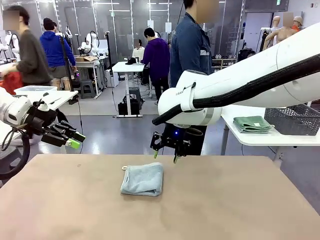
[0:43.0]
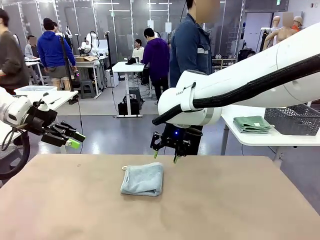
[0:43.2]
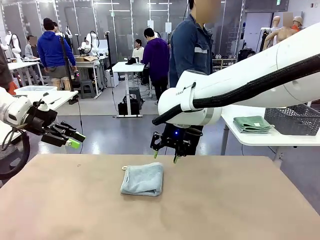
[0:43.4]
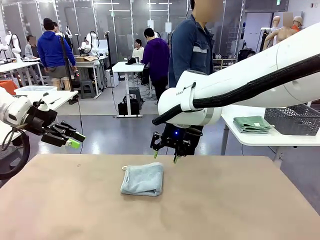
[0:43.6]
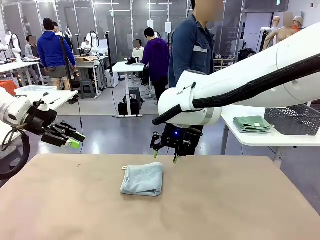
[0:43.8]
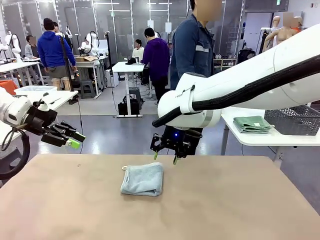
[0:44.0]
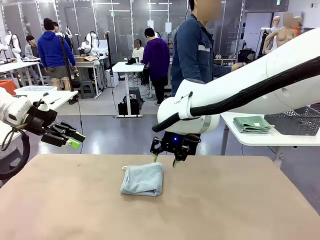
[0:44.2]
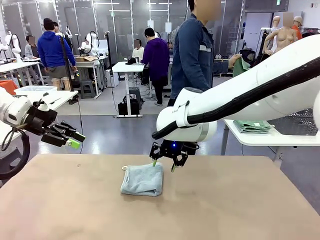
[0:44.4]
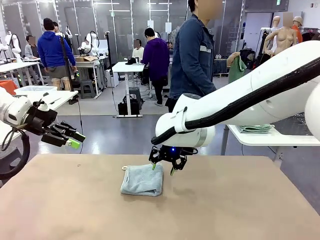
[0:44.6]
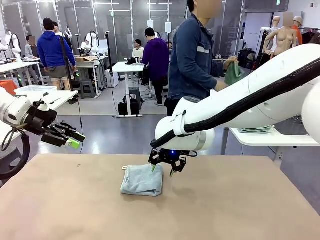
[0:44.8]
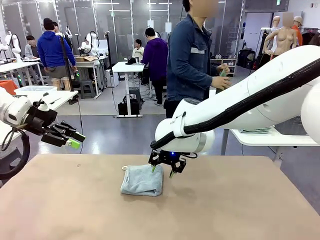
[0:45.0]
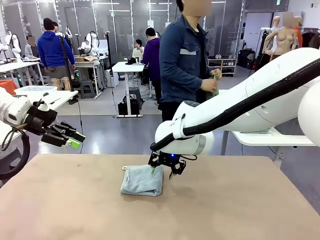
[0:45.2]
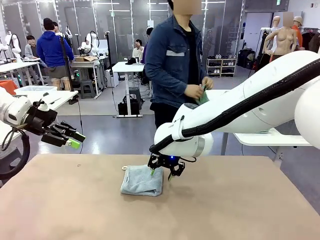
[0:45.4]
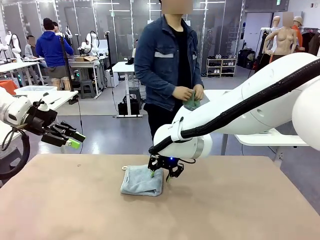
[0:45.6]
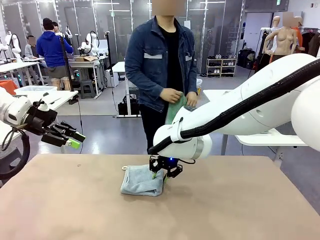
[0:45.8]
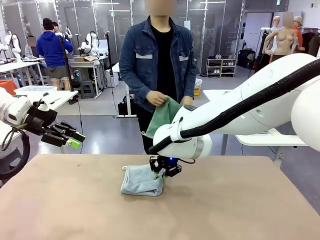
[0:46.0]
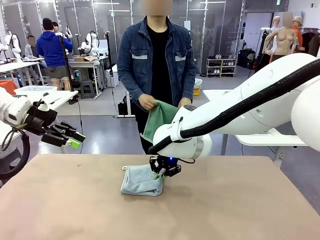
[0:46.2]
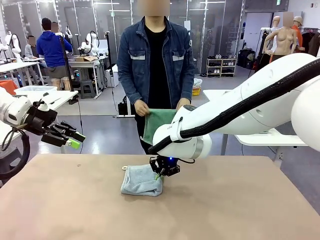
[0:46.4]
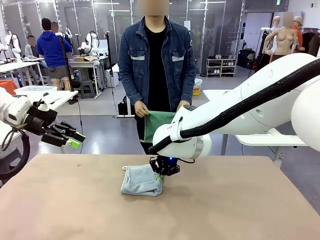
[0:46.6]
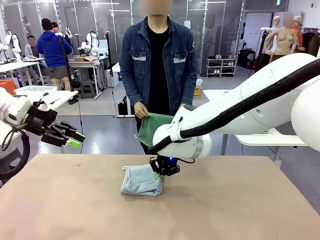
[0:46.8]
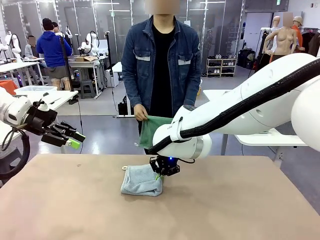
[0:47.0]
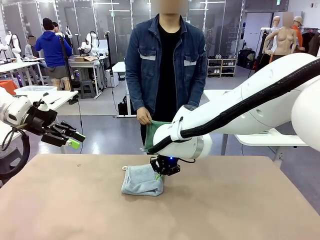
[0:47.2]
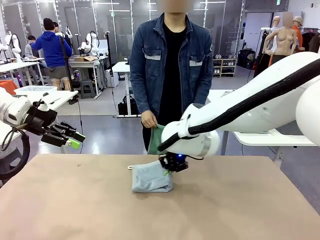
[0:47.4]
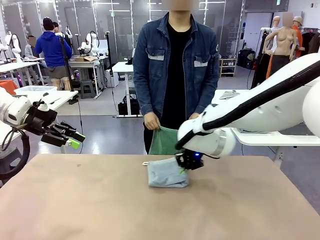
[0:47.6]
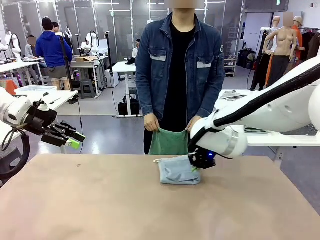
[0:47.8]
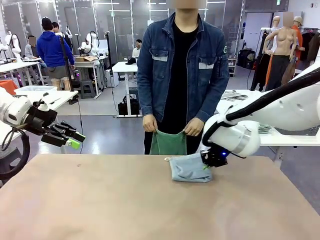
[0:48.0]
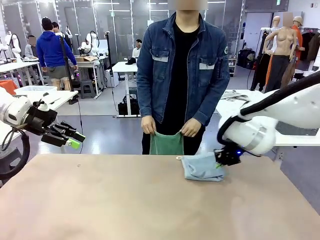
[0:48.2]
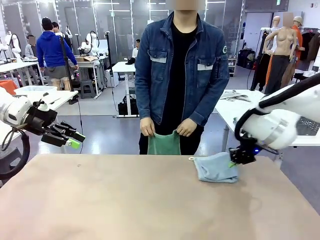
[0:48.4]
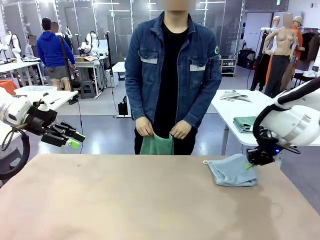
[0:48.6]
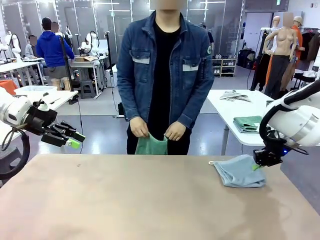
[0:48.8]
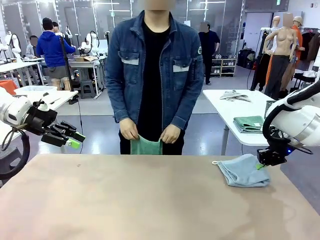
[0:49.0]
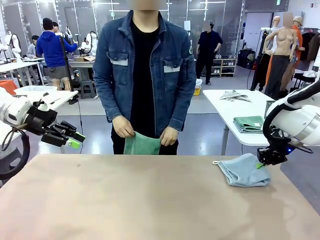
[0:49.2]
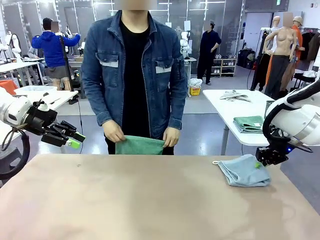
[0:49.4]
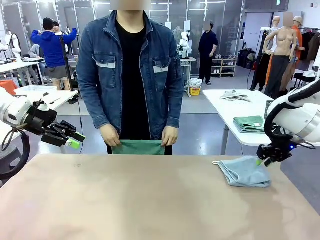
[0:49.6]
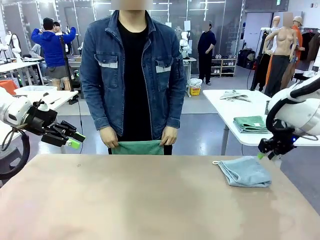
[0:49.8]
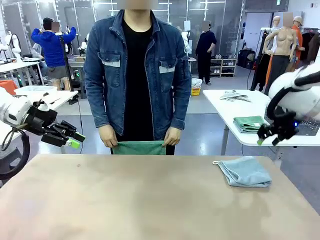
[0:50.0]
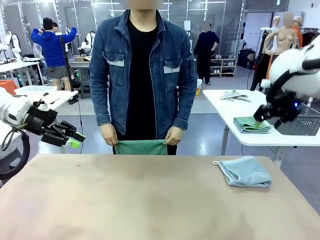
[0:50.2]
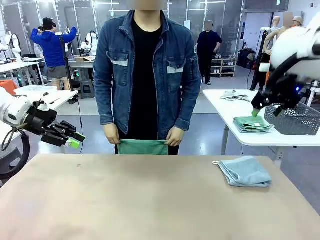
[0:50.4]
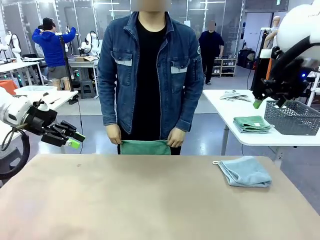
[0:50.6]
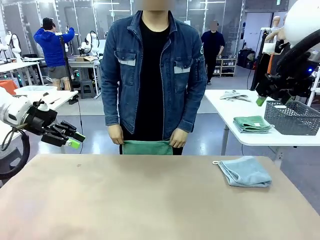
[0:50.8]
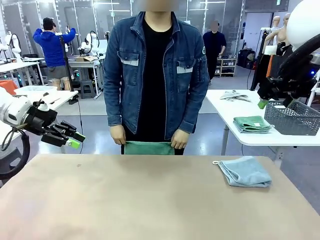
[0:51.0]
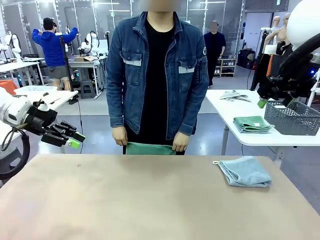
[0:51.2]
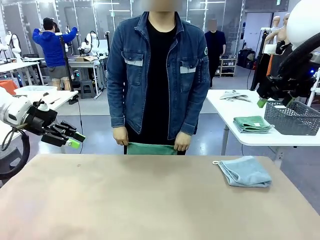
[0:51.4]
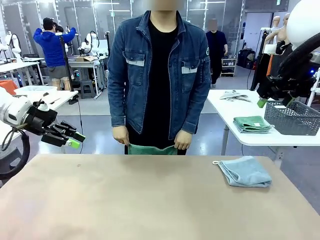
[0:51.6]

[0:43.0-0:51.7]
Task: Fold the towels and place them in the basket.
Robot: Place the folded Towel with hook on the right side of the table.
Person: Pick up one towel from the left side of the human table and spread it out at the center of the robot table.

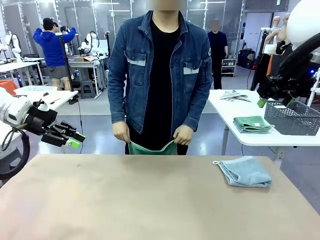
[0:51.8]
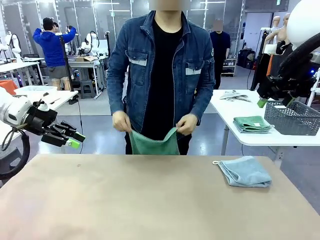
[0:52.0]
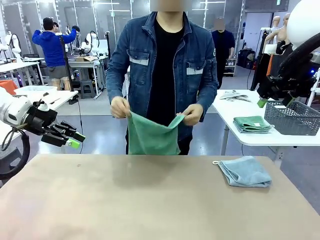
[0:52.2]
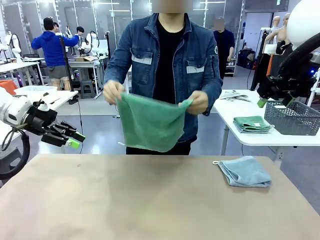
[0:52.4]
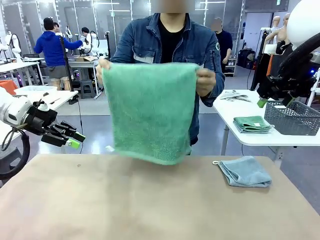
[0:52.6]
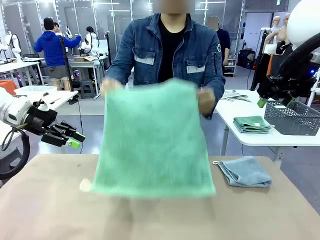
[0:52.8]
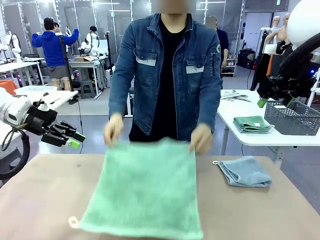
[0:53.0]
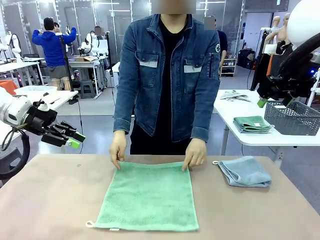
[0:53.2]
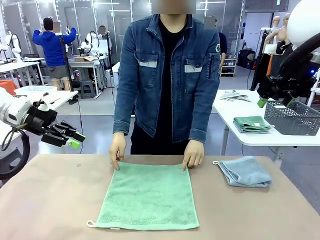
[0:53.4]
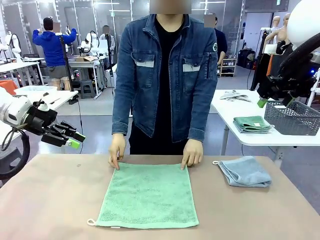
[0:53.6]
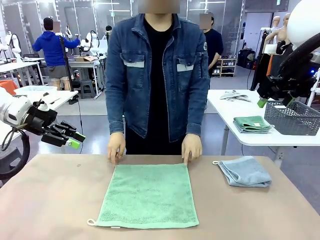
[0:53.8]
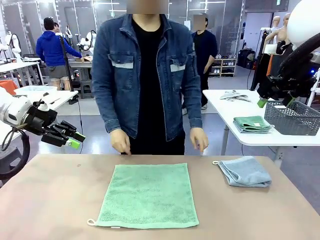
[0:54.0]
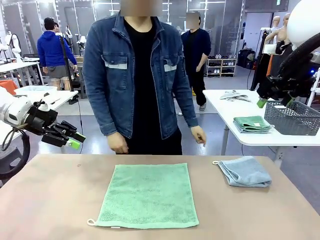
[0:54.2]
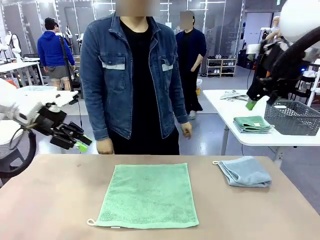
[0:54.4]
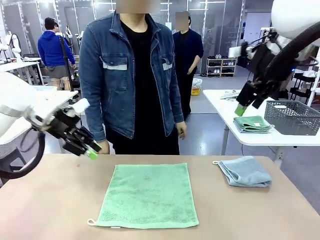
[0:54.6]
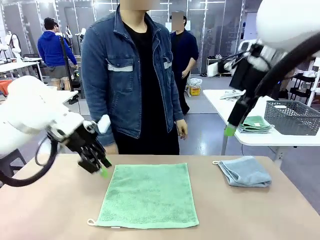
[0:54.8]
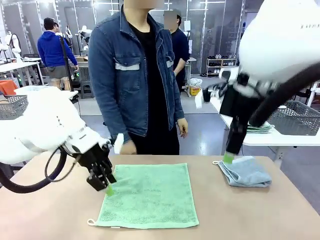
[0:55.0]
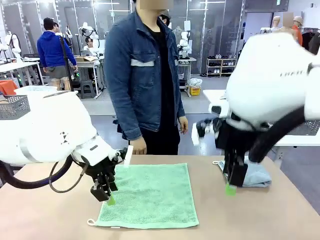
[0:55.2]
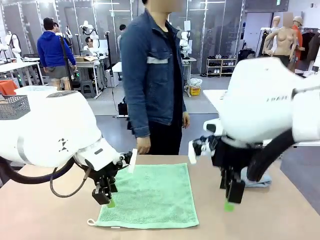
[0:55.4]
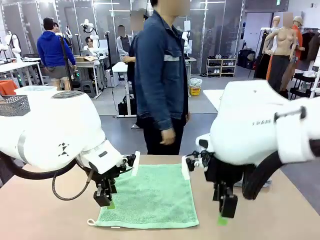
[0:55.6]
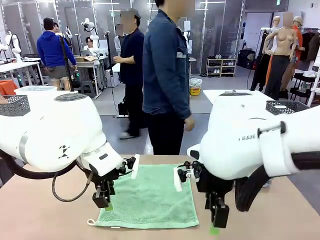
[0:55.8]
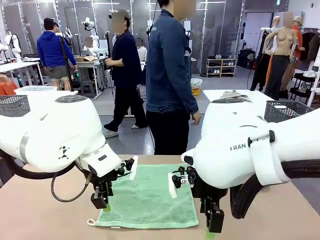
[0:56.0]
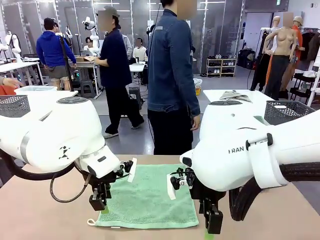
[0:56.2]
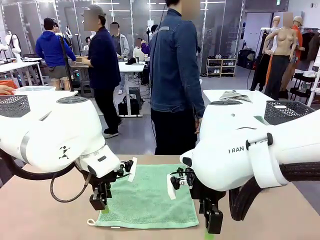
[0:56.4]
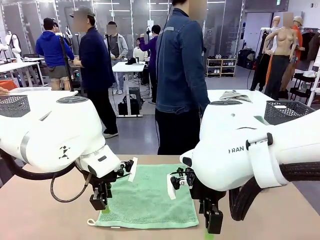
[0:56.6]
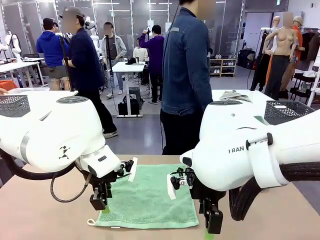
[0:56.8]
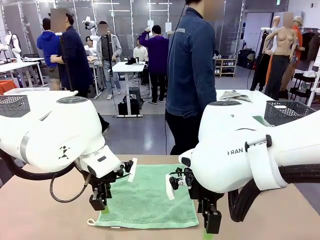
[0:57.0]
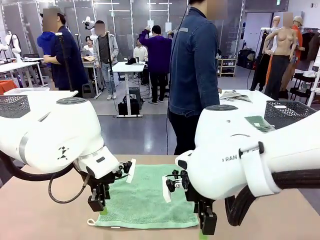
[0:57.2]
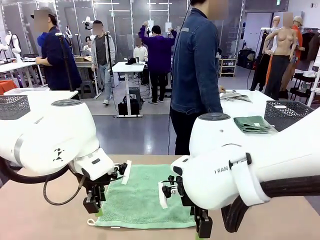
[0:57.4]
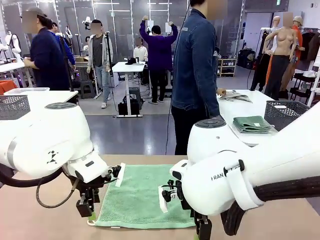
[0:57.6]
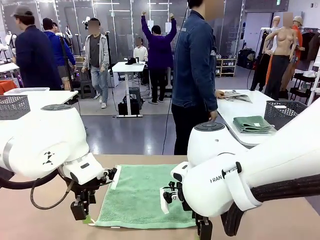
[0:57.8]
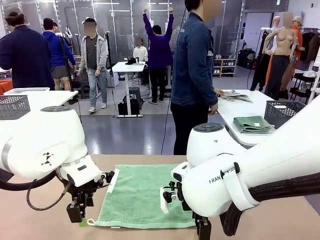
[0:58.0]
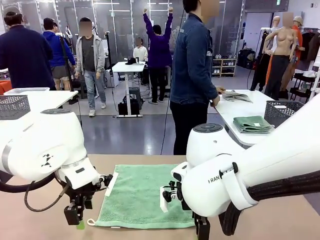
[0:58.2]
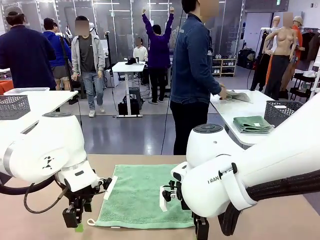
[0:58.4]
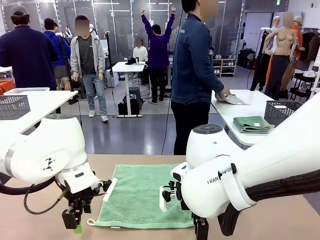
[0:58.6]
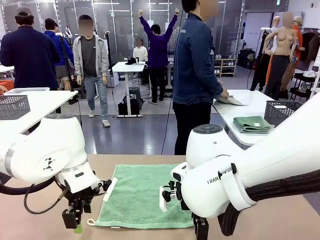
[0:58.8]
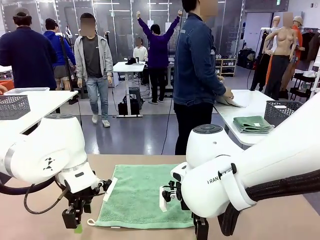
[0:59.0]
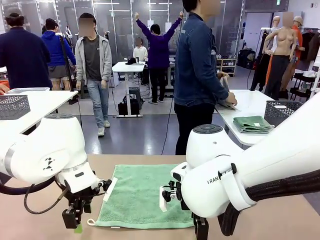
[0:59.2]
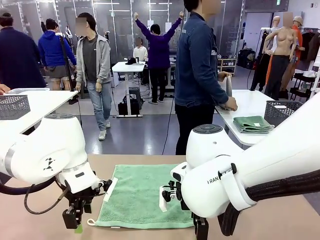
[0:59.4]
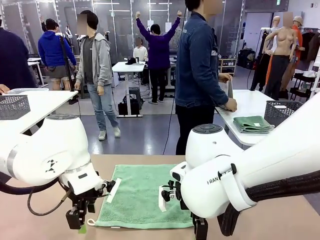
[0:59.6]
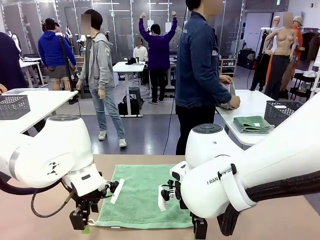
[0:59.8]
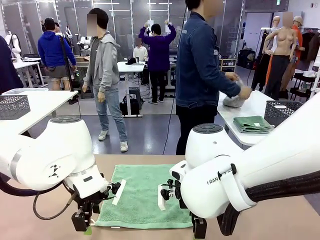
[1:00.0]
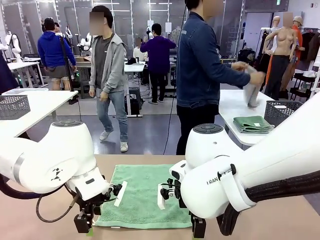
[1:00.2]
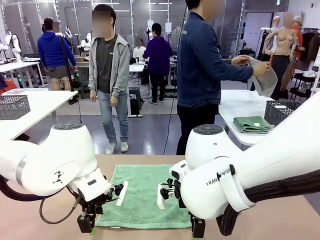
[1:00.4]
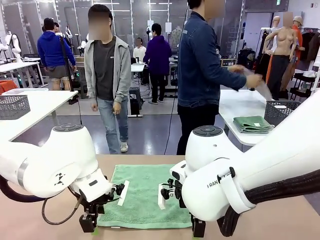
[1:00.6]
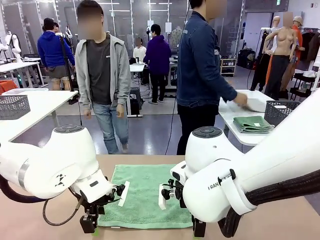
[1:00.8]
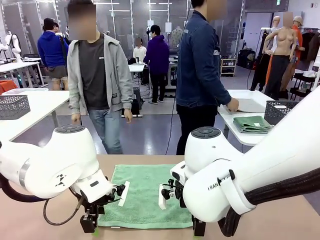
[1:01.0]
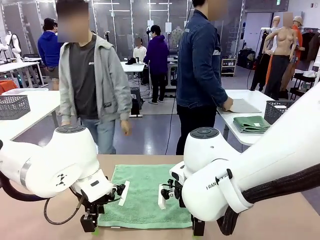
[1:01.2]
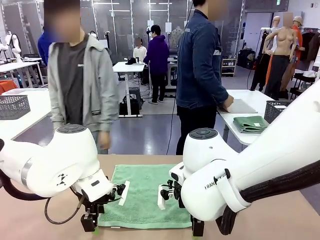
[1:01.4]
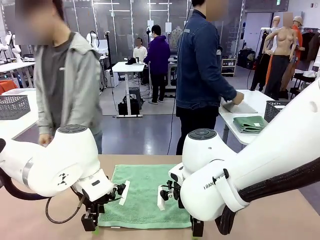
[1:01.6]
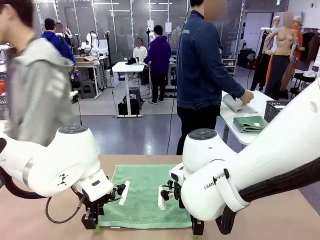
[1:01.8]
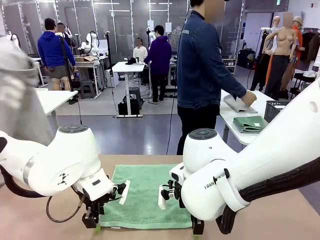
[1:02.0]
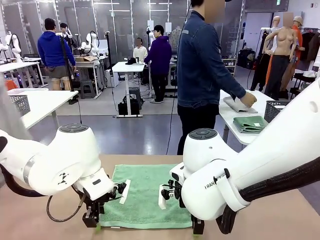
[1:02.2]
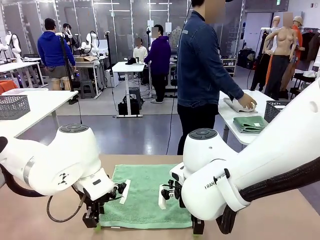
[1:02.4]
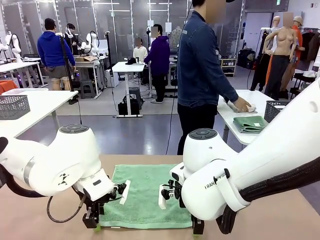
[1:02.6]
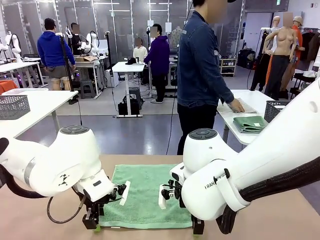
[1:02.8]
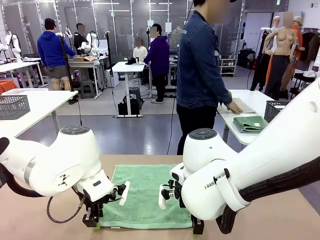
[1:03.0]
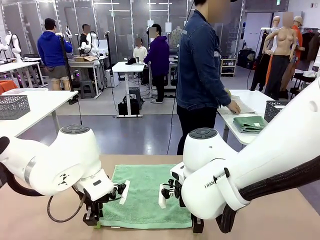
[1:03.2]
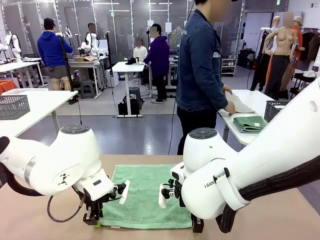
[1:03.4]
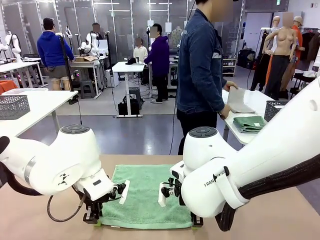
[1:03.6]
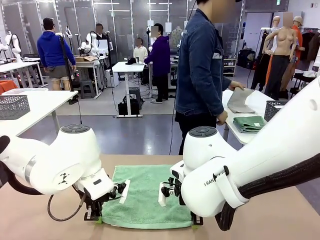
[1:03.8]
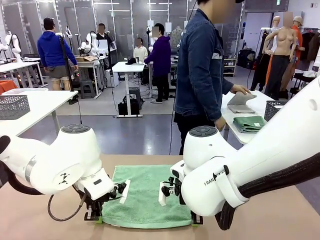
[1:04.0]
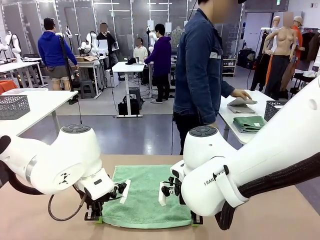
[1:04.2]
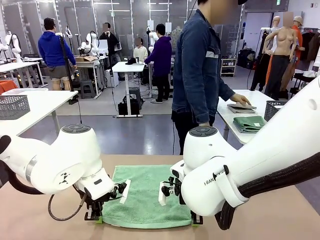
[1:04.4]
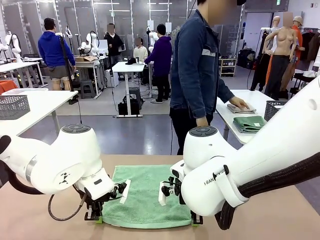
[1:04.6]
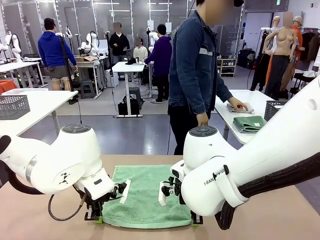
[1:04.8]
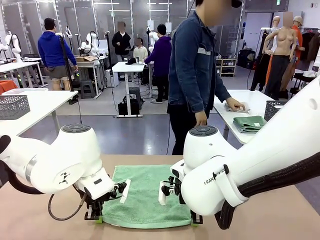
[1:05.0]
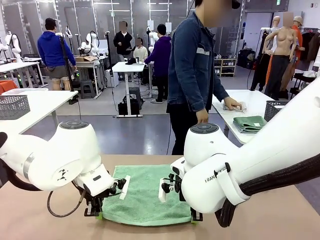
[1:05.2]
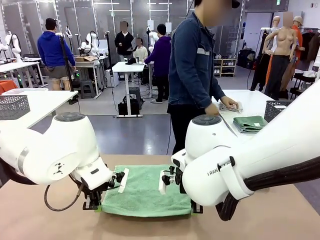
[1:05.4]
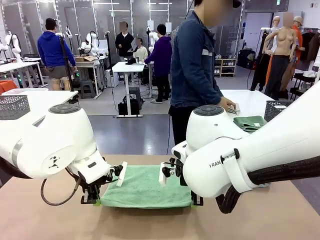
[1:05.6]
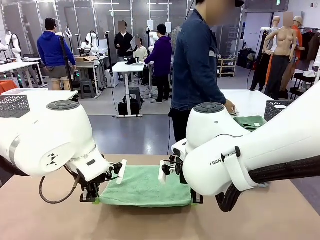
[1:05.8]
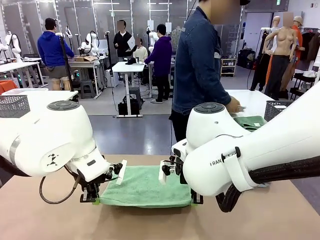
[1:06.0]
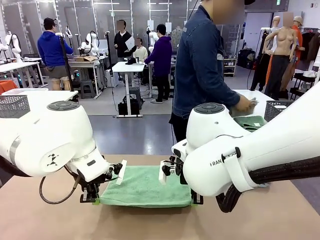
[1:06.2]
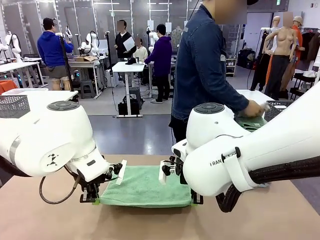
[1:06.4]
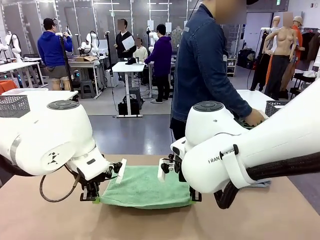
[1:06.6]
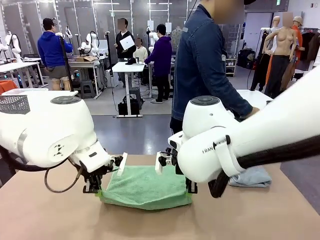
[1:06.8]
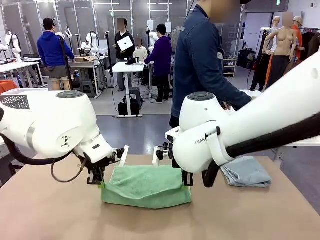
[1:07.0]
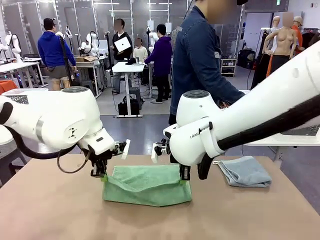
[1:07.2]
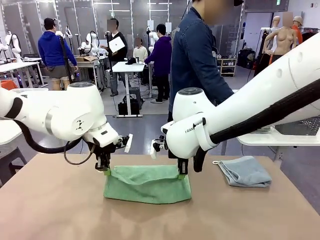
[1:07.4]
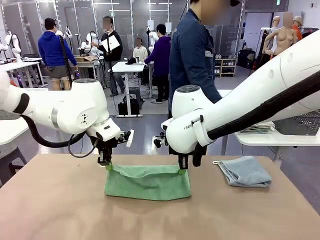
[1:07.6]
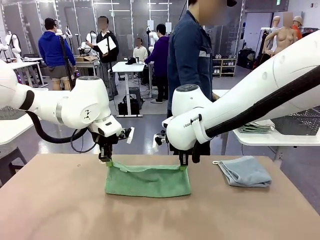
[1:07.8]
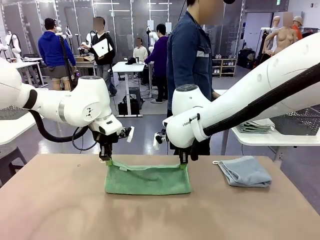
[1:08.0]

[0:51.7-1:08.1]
Robot: When a person lays out a Towel with hook on the table, fold it in half twice.
Person: Pick up one towel from the left side of the human table, fold it in half twice, and stack it on the right side of the table.
